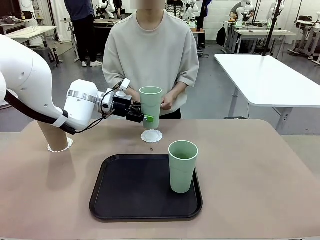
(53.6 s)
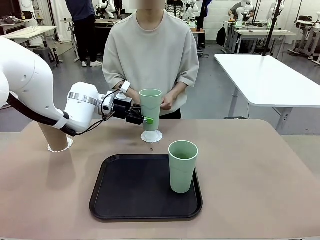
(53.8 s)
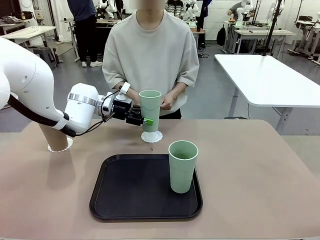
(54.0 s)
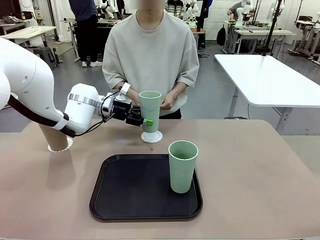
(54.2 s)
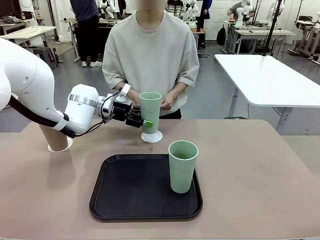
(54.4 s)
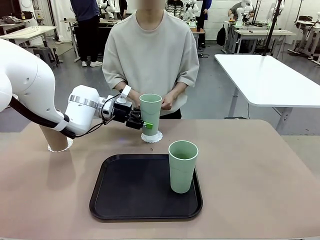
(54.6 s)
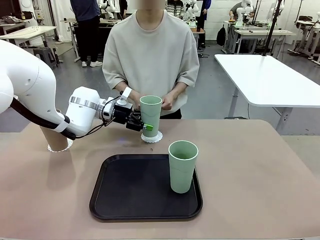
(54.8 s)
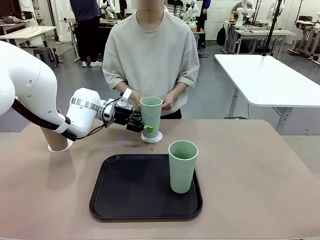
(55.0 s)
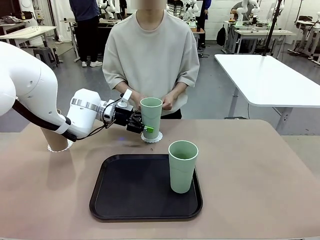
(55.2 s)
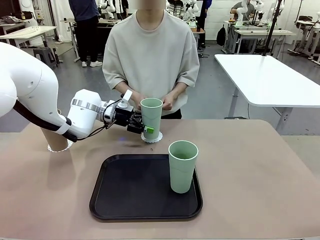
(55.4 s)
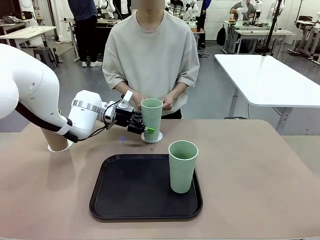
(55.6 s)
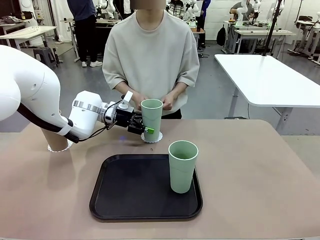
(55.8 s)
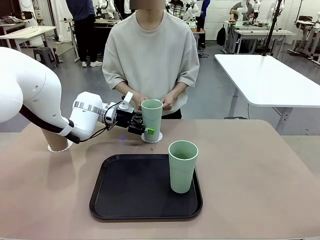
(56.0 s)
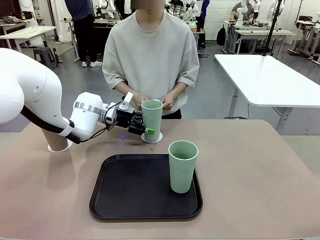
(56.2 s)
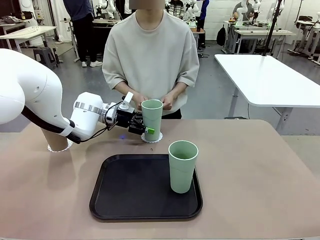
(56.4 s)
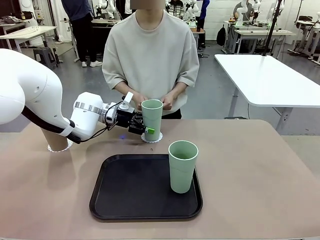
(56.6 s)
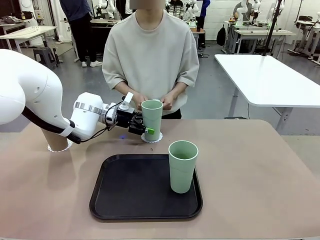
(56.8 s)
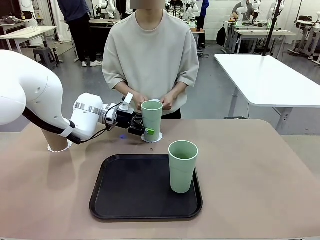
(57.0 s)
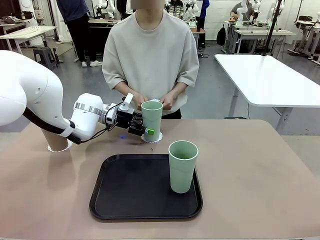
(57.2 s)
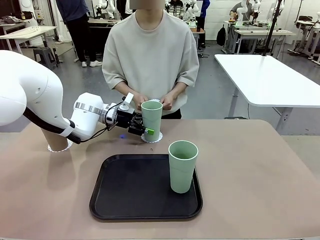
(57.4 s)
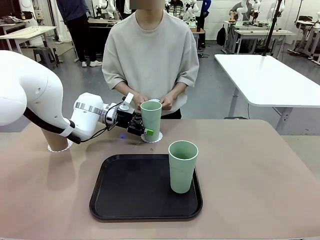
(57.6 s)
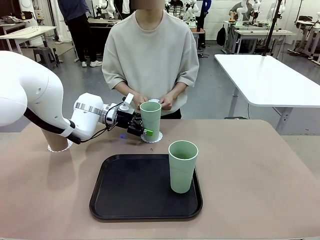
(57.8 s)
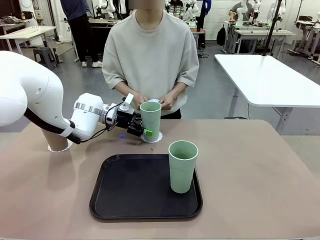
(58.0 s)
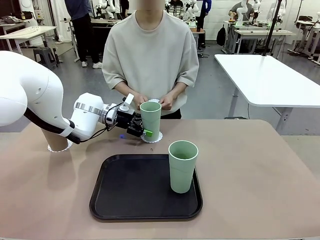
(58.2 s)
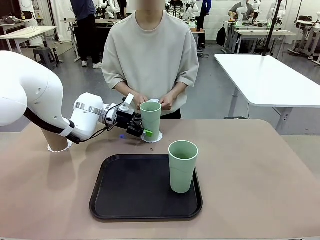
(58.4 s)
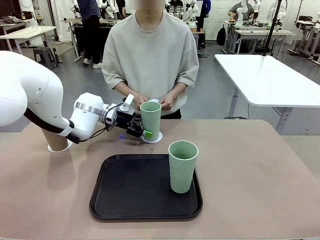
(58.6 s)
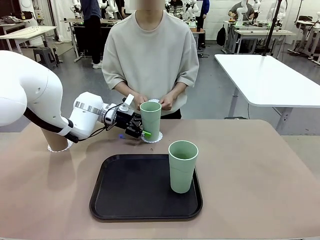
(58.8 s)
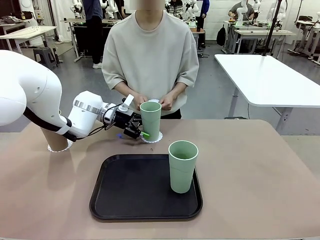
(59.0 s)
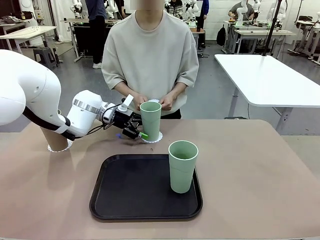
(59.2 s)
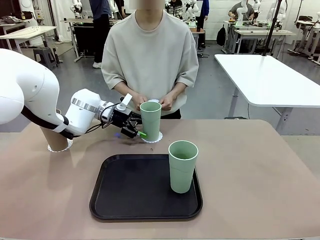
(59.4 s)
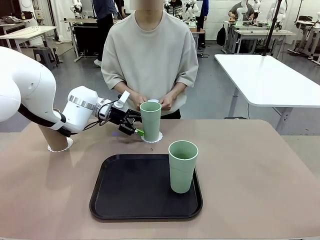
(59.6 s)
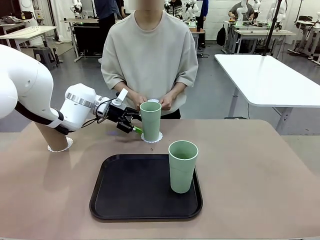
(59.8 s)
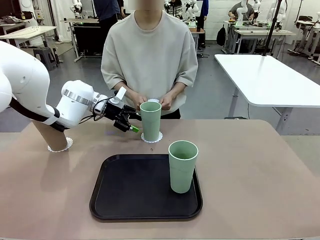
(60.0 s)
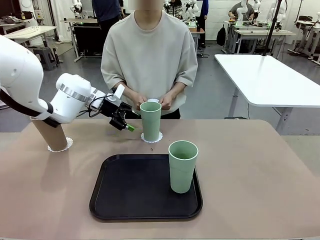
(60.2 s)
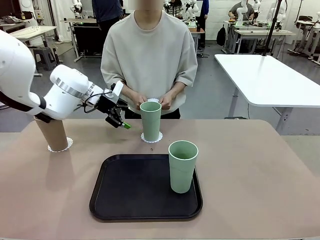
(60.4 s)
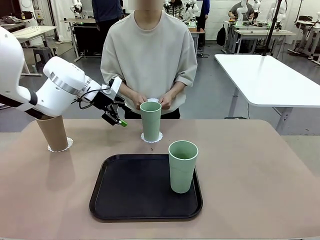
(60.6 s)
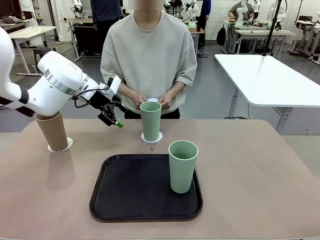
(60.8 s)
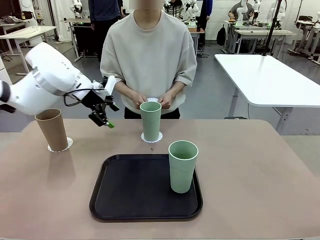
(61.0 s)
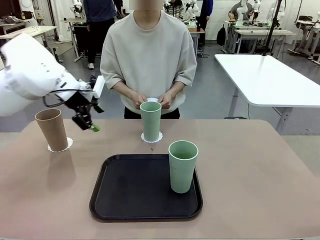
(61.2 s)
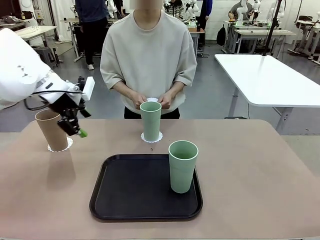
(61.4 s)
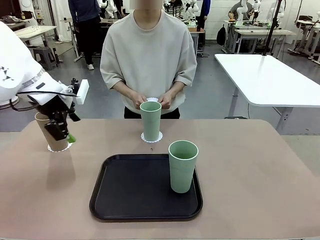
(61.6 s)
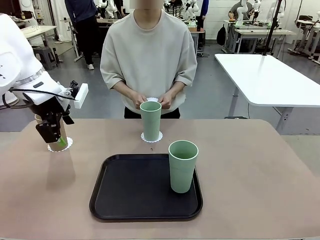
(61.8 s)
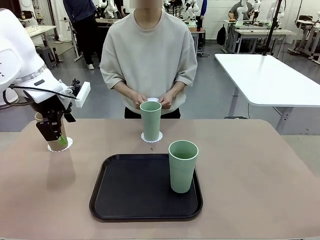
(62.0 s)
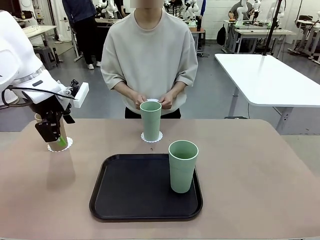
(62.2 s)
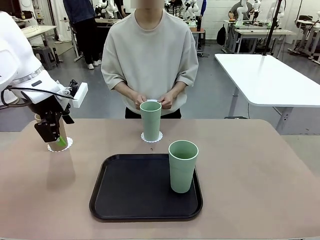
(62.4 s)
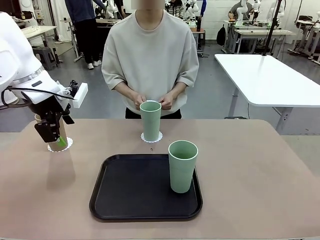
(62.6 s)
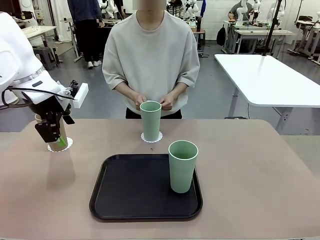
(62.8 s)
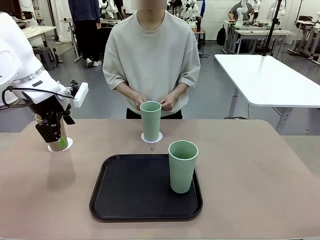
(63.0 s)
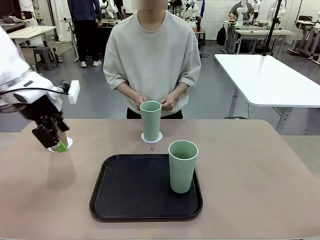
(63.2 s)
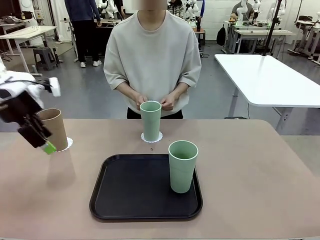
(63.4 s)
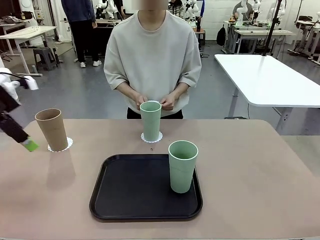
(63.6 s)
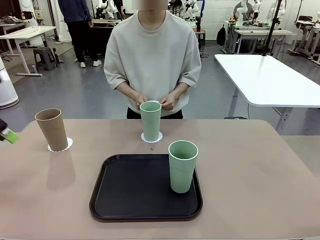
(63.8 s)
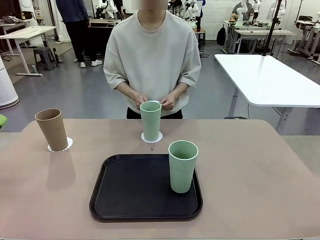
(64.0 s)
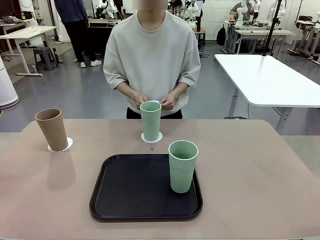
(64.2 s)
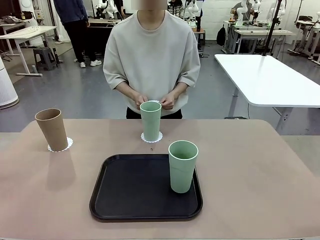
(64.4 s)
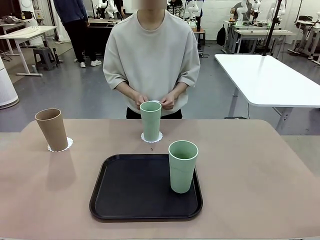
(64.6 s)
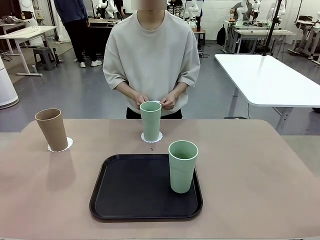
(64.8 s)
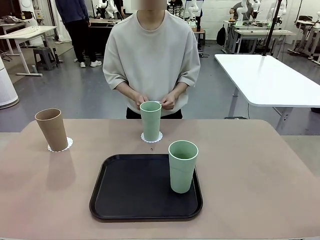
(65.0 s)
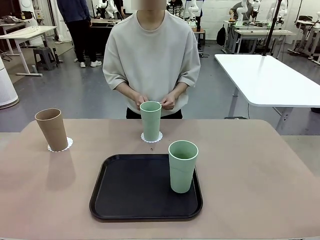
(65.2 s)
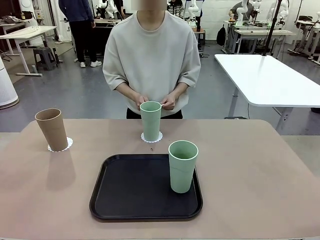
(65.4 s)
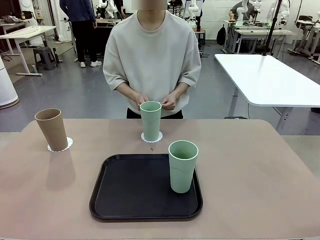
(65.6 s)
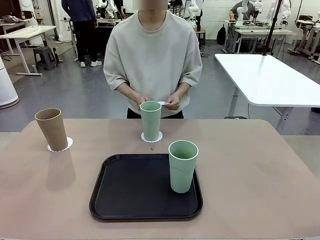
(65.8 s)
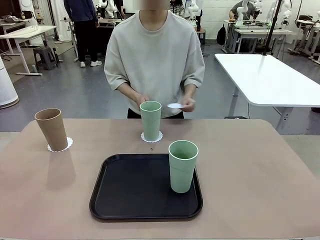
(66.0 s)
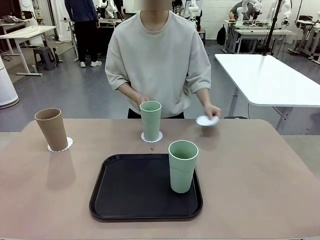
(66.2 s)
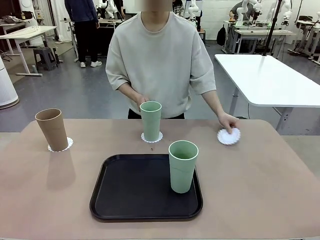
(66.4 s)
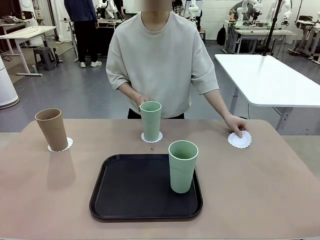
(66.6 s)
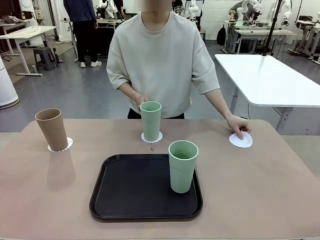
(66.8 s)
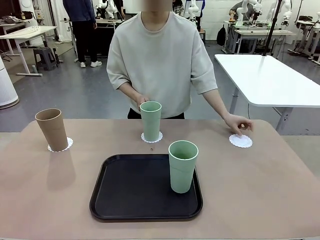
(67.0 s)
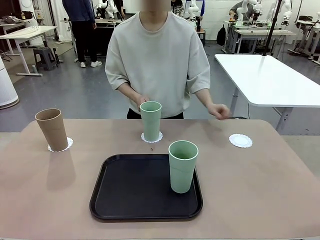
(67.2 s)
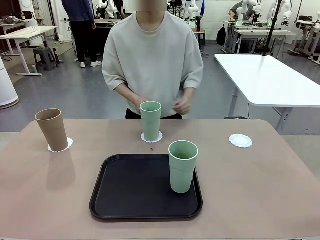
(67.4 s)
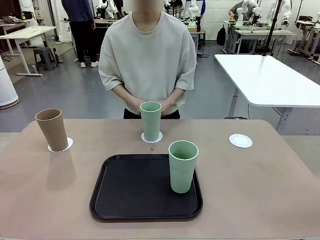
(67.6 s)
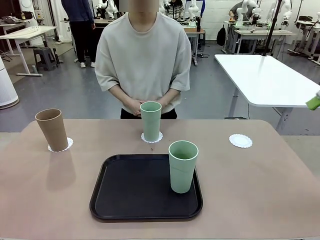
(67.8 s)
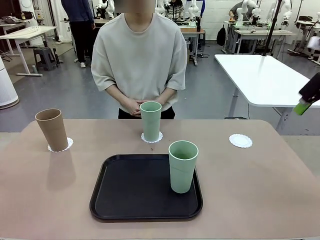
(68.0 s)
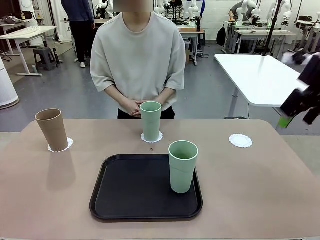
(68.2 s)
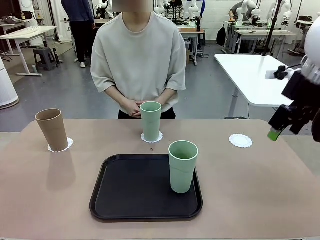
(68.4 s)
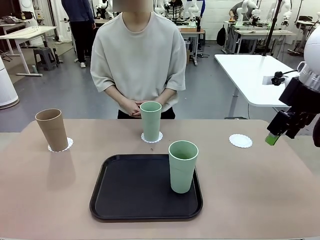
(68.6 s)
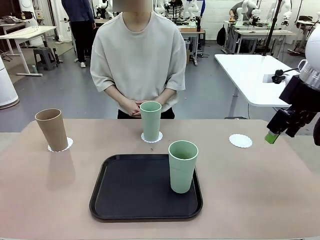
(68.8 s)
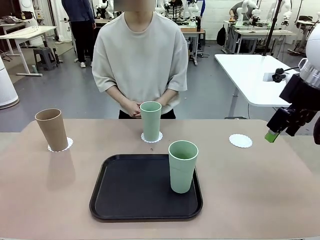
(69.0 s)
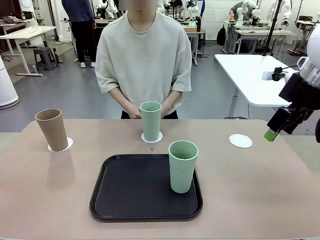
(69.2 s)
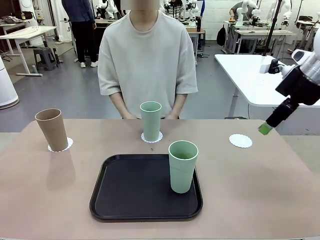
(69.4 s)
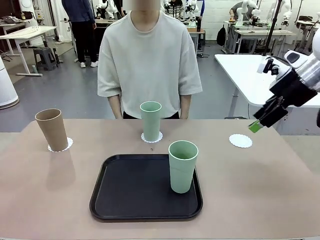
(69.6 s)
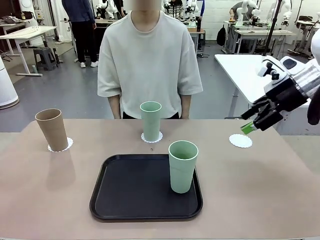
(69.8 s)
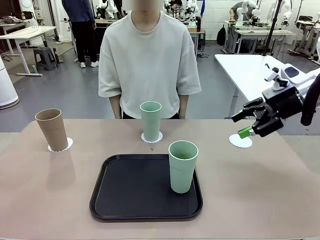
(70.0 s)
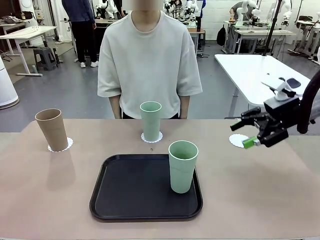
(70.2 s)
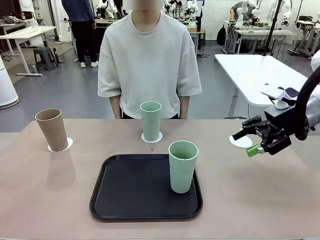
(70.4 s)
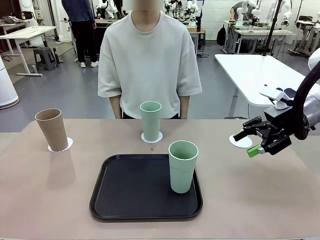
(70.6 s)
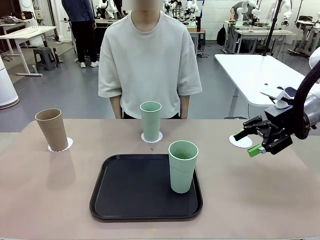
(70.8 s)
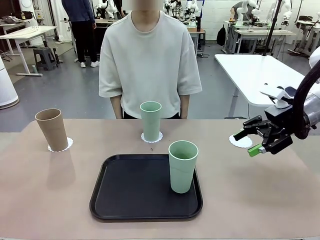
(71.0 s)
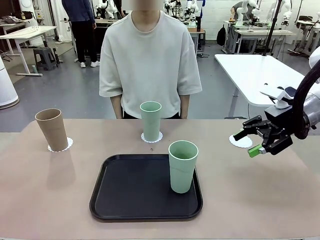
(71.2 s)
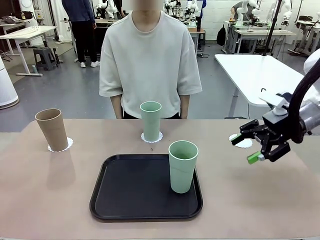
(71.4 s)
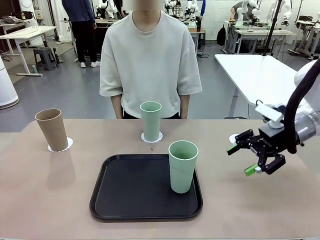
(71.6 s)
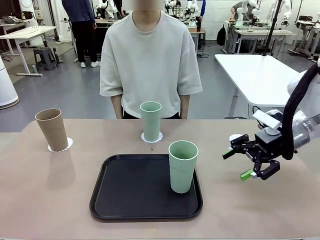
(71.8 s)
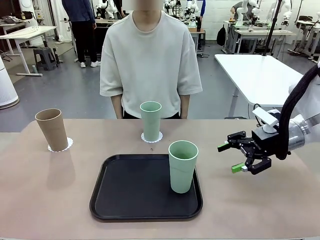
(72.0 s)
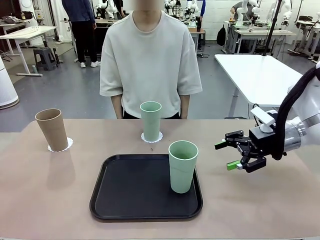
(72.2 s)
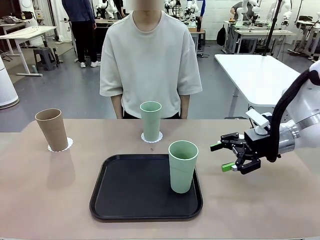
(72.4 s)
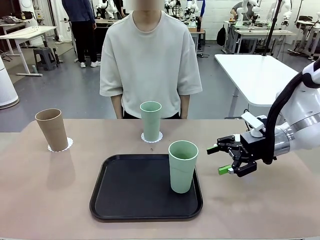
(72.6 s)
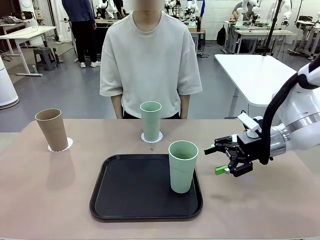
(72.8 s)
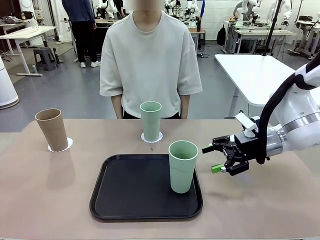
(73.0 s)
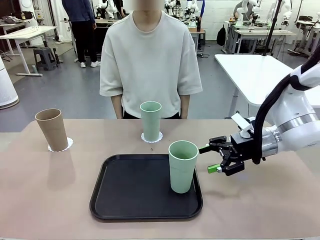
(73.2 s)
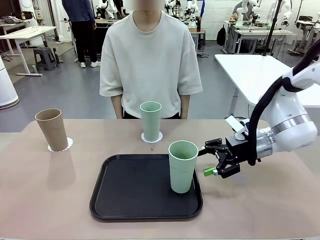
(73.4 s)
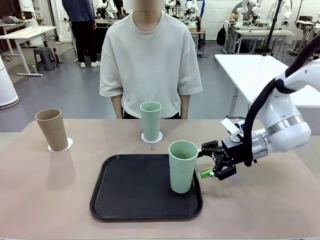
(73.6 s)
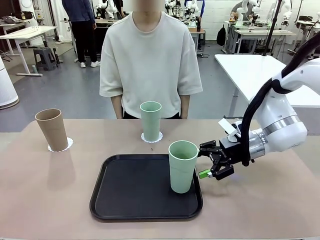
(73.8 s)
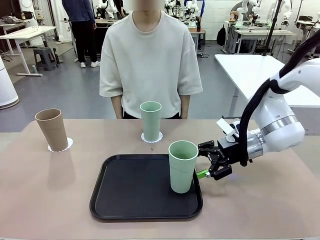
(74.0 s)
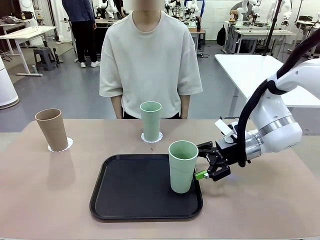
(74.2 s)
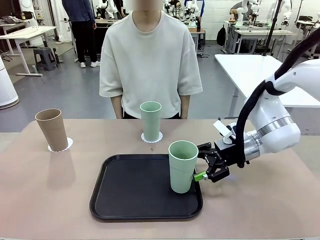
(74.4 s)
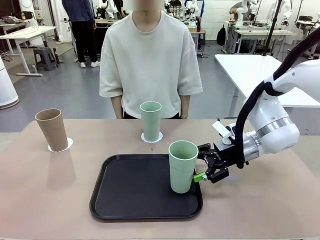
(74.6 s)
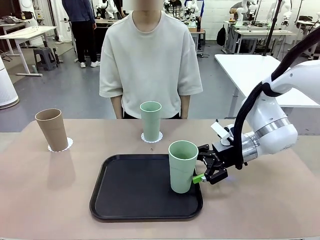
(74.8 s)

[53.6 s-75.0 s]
Task: Place coasters on the table and set cups on them.
Robot: Take one Reusable plastic cup from the Flat Tray and place it on a coaster set by the human.
